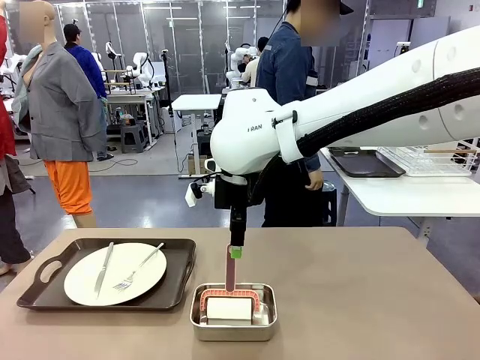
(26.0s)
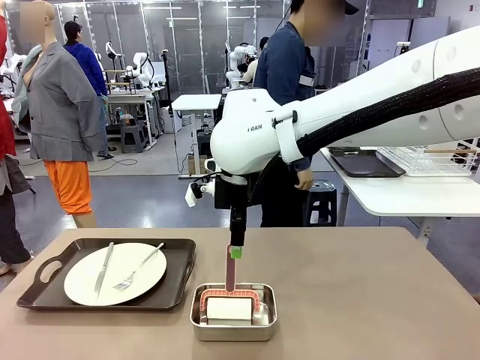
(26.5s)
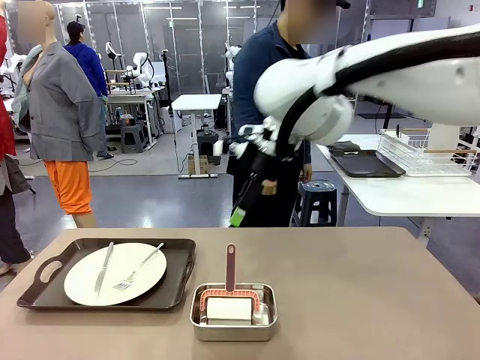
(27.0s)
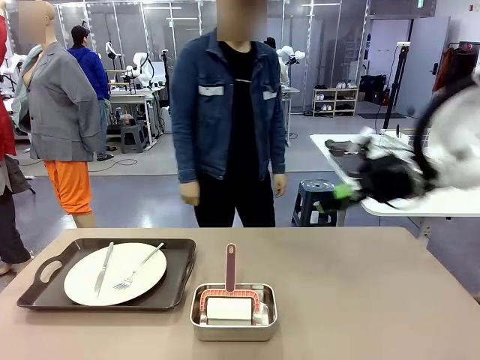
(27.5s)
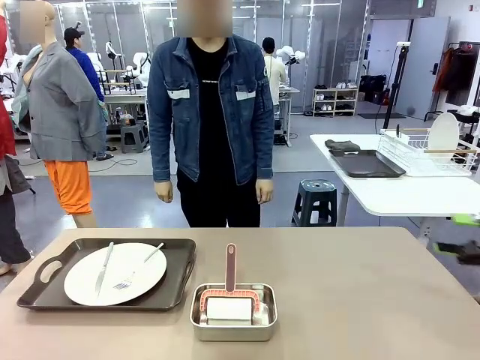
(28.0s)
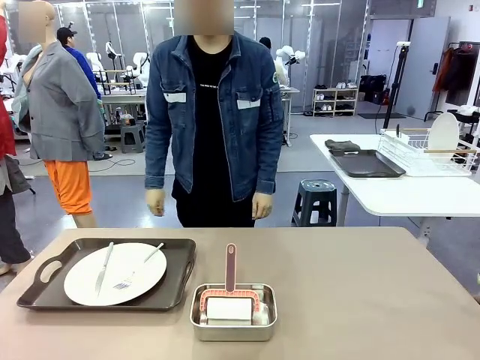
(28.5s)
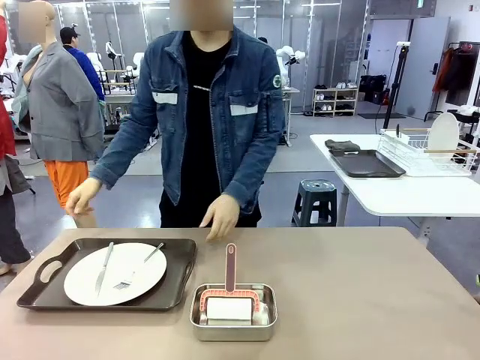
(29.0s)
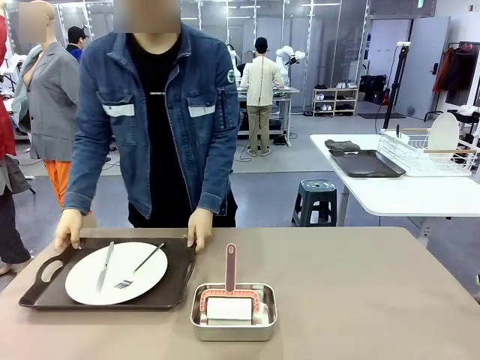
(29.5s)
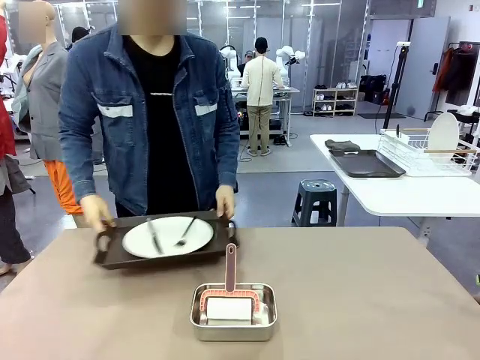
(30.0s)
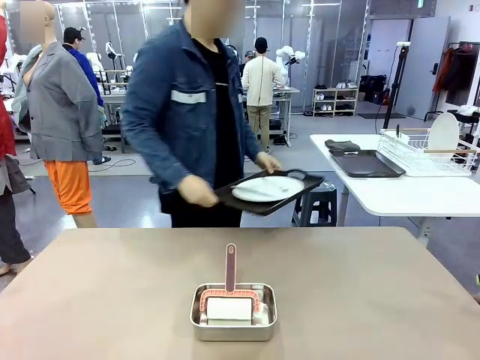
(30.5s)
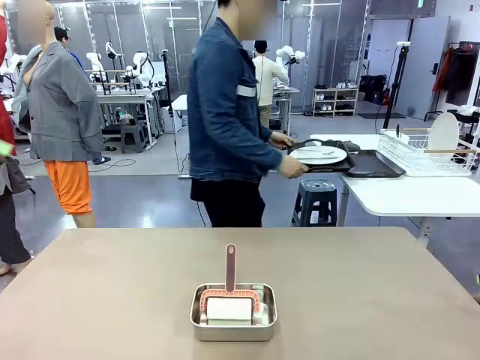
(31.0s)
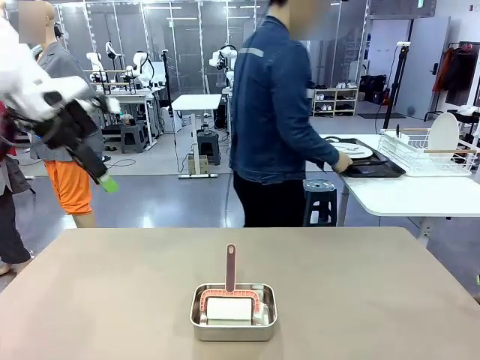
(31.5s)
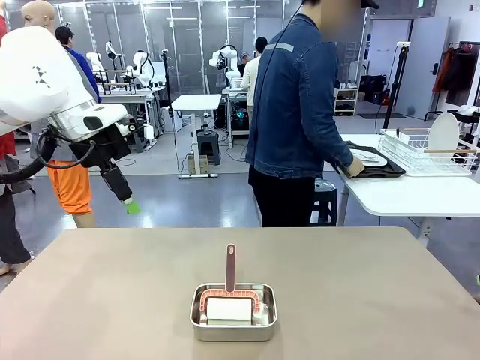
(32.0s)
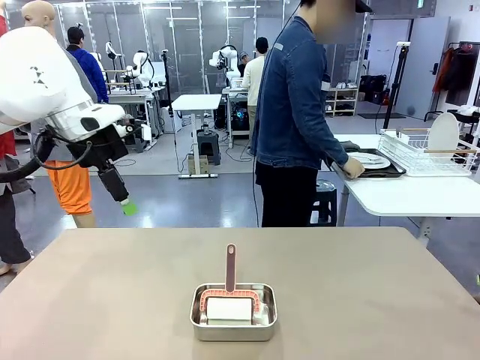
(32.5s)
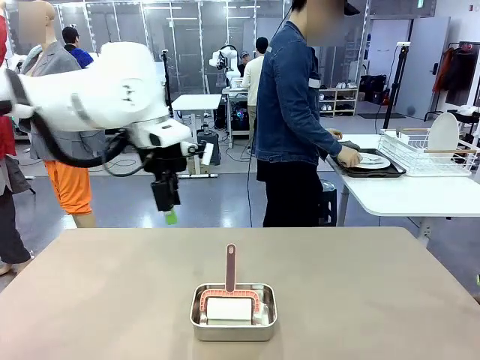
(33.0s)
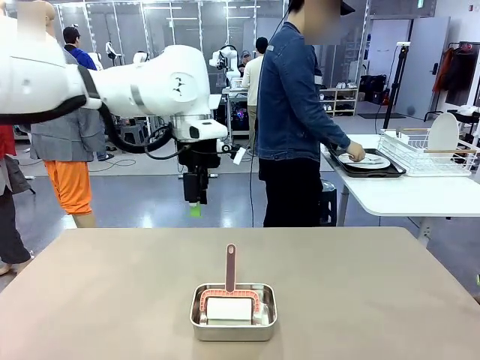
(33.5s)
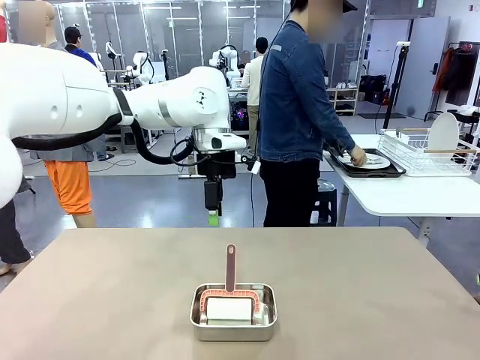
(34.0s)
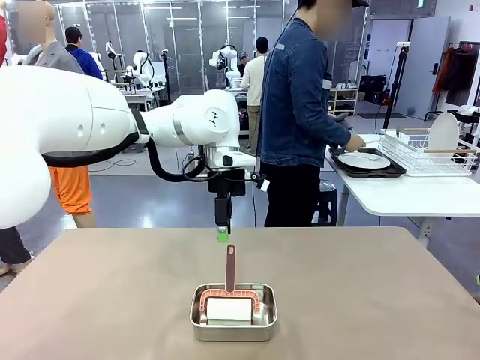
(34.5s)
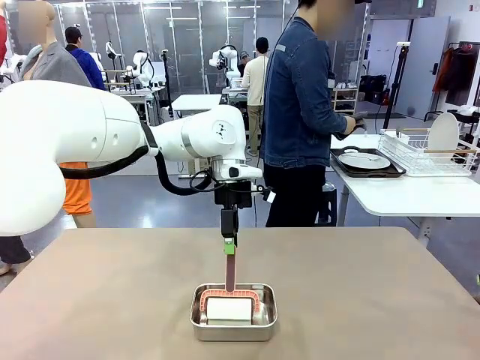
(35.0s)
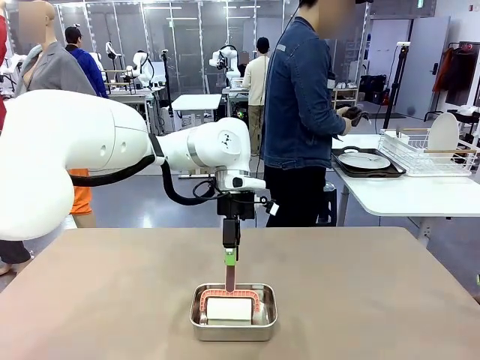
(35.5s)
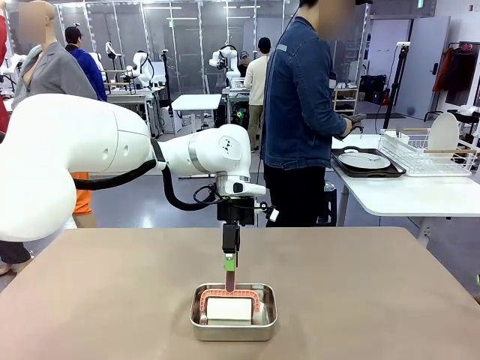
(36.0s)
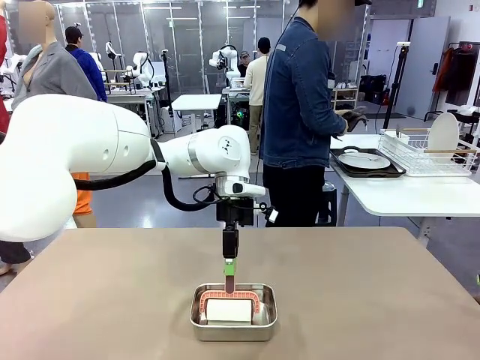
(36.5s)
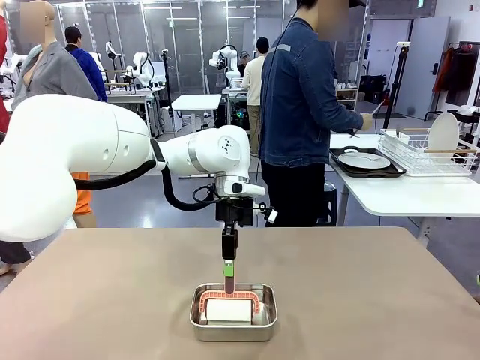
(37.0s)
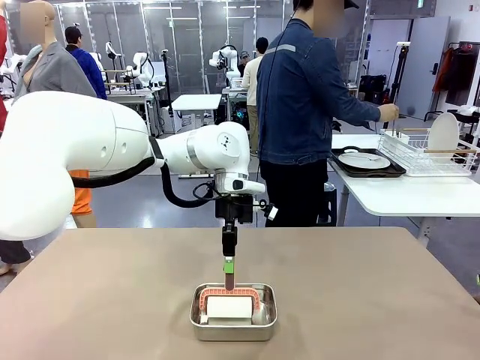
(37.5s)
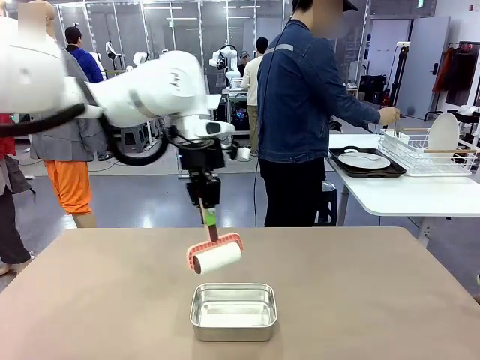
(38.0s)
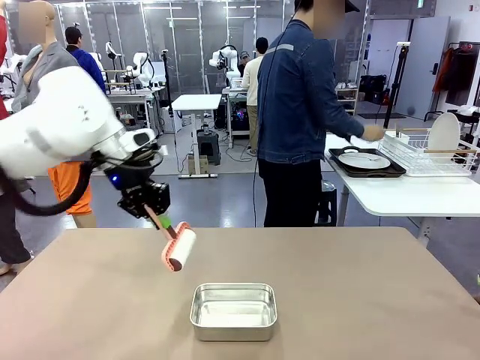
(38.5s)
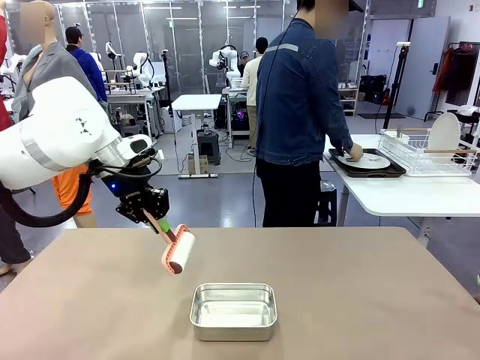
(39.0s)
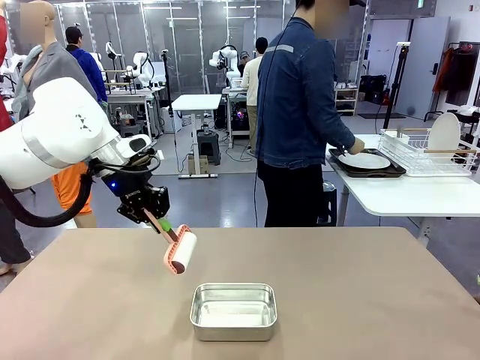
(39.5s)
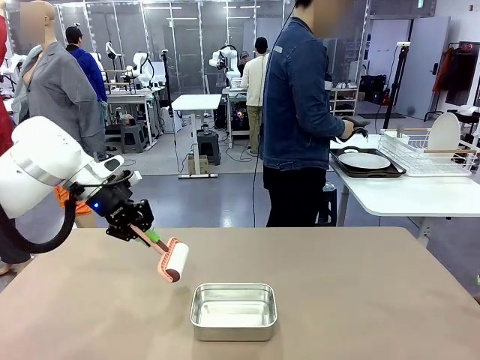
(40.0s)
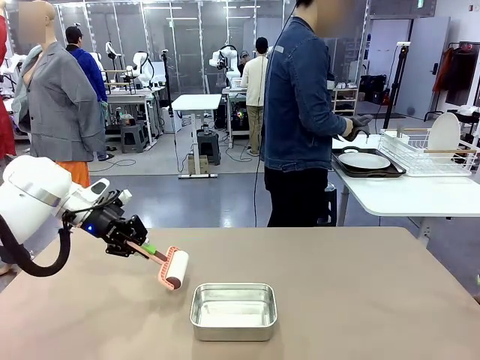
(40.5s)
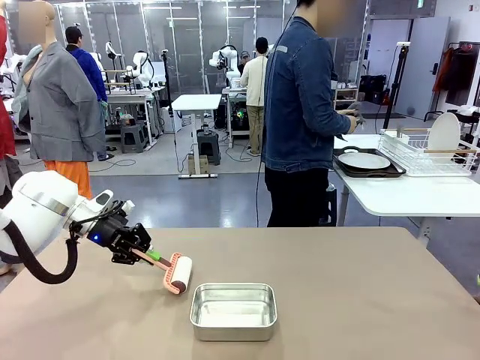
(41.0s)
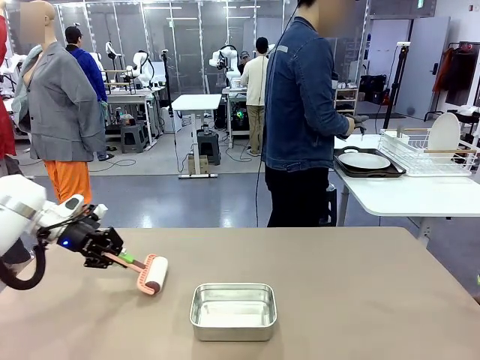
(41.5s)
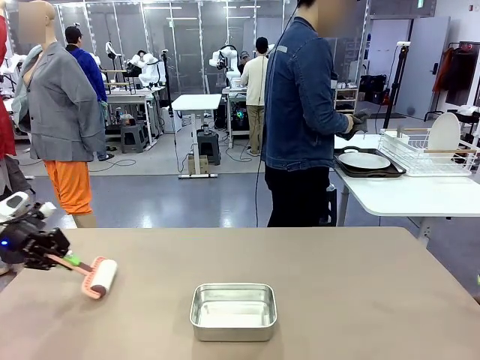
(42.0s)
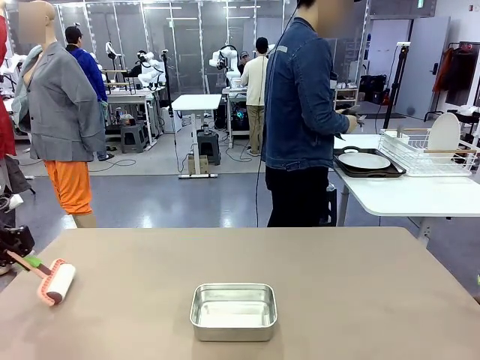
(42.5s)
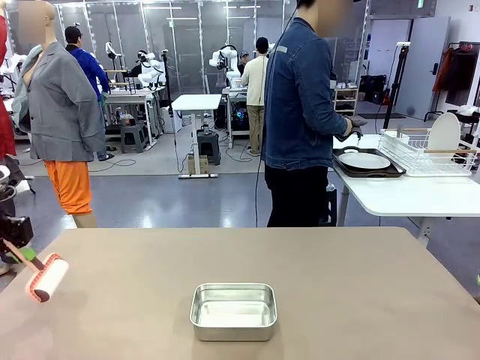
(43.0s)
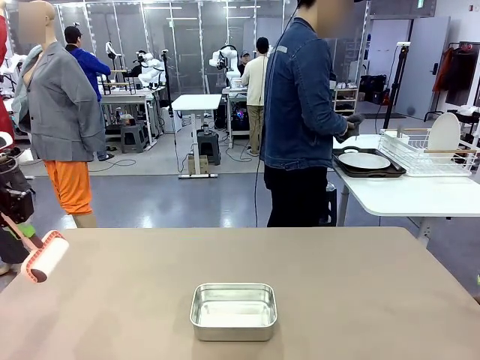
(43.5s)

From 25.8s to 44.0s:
Robot: When the right (or left) Handle tray is removed, use the right hand (or left hand) to clean the right (or left) side of the table with the Lint Roller.
Person: Pick up the left (or right) Handle tray and place it on the Handle tray.

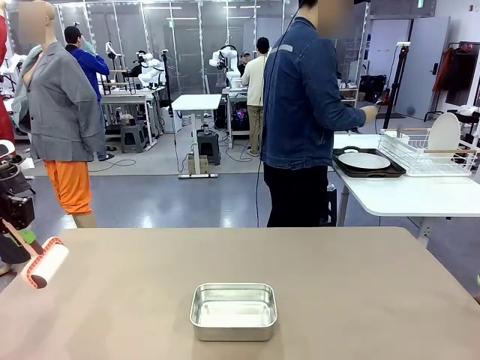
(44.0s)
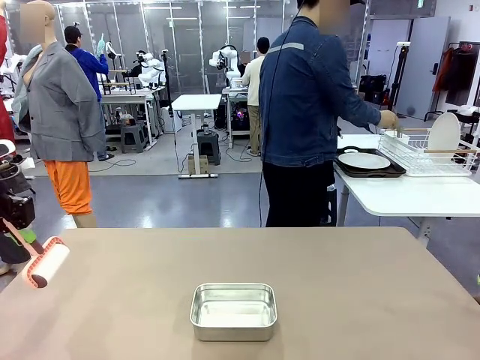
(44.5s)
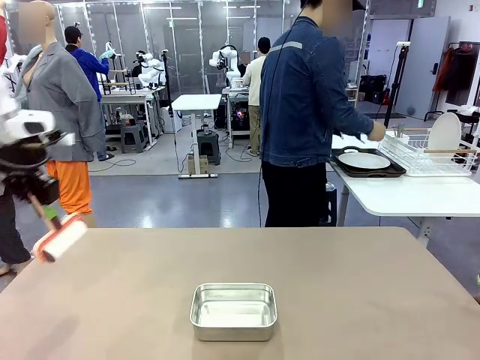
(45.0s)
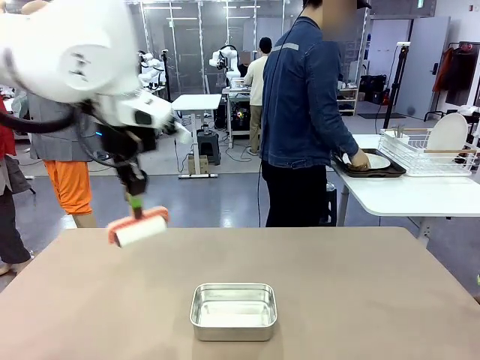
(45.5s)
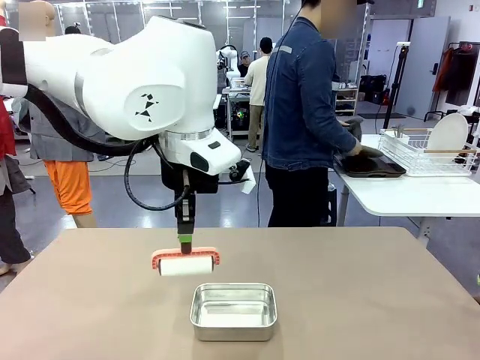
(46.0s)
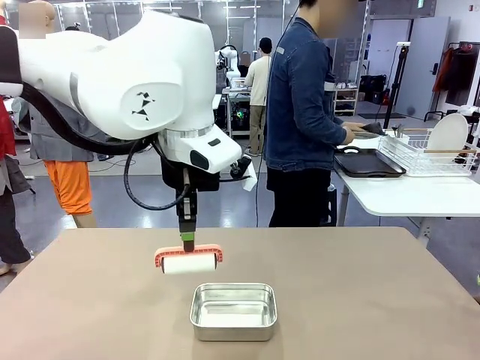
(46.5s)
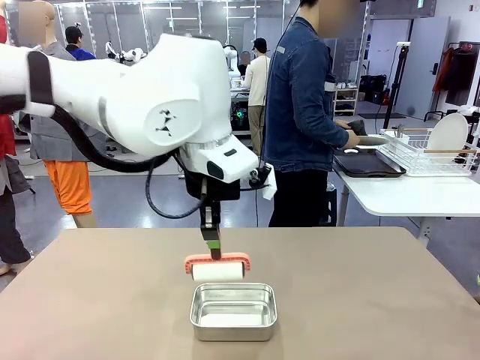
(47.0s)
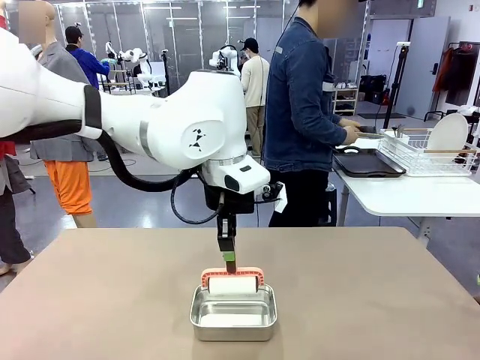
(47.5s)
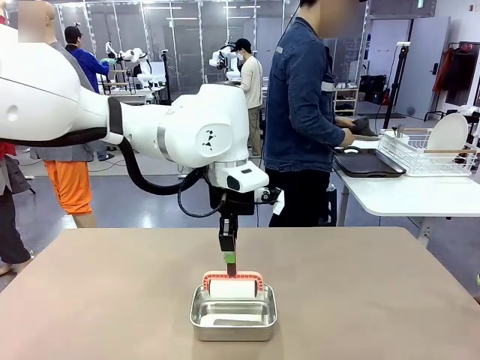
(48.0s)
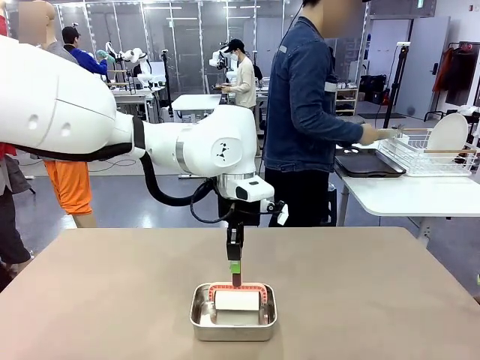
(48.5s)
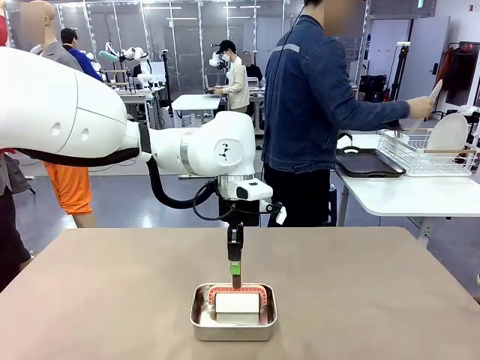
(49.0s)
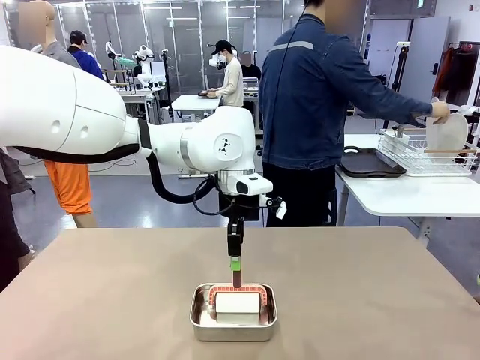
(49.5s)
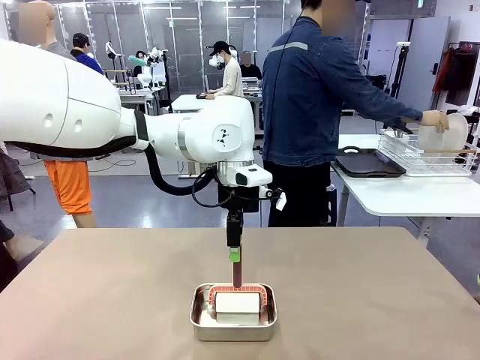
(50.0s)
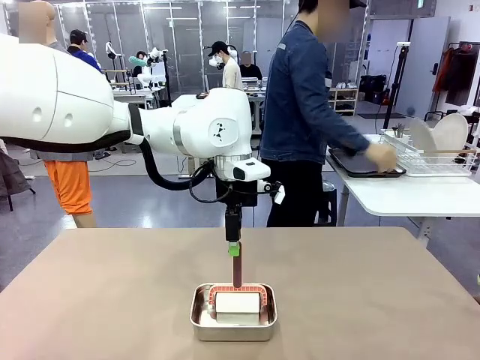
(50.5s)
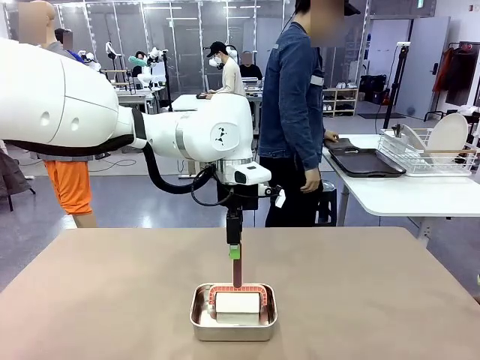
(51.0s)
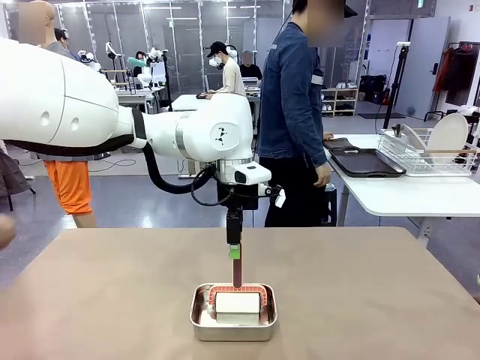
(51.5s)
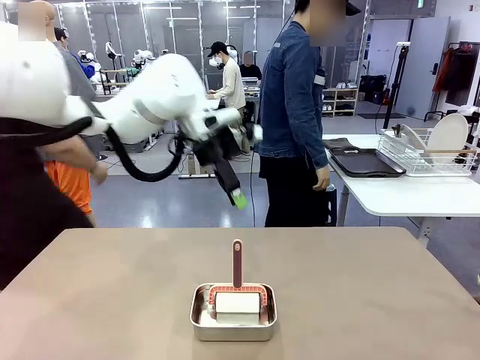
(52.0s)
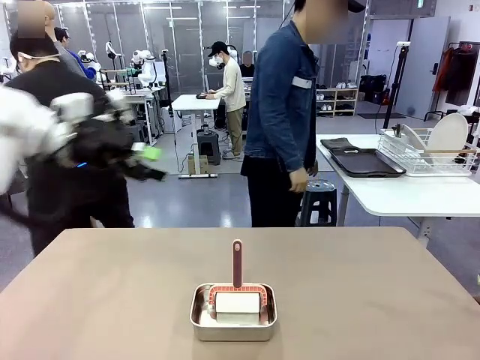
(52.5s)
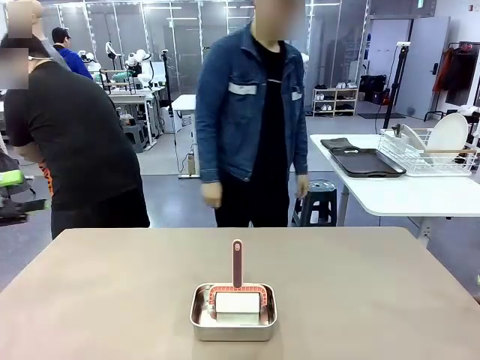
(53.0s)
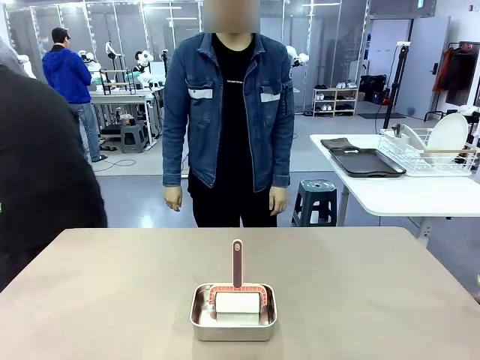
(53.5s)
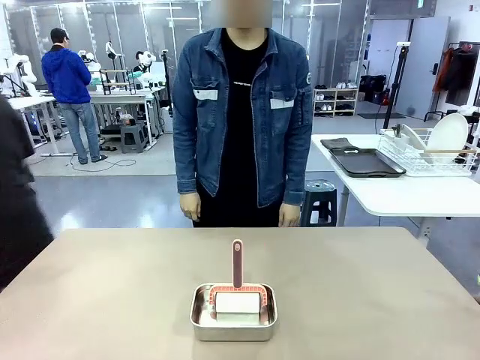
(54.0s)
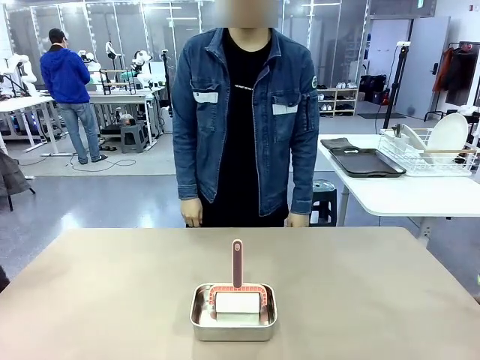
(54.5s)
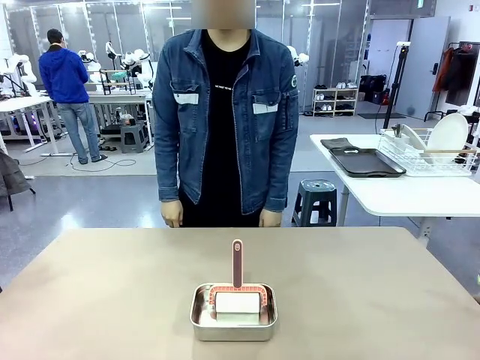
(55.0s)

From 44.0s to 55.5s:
Robot: Place the Lint Roller back on top of the Airtight Container.
Person: Use the Towel with hook to wipe the Plastic Matte Plate , Fork , and Knife and place into the Dish drying rack.
